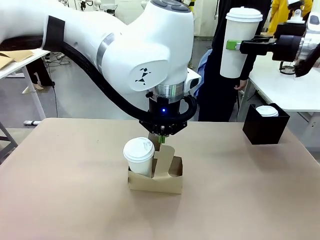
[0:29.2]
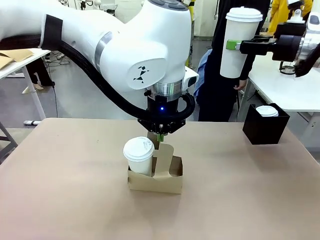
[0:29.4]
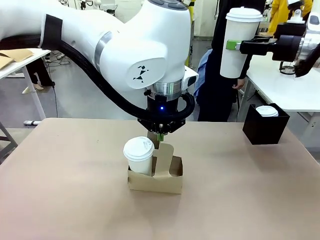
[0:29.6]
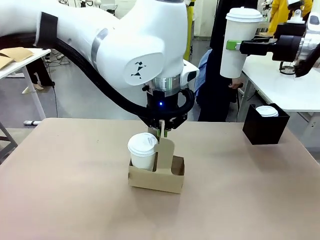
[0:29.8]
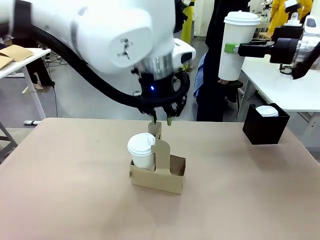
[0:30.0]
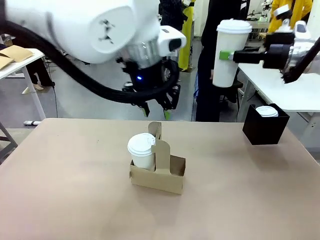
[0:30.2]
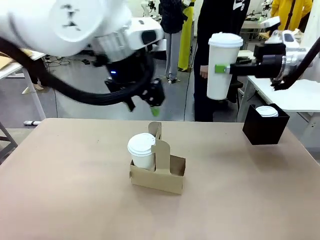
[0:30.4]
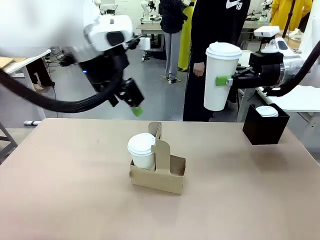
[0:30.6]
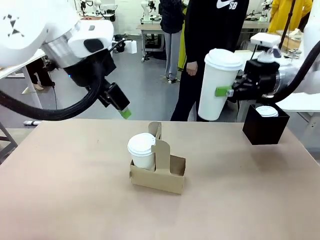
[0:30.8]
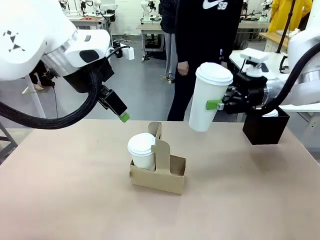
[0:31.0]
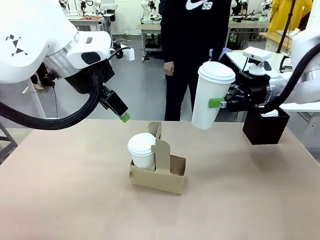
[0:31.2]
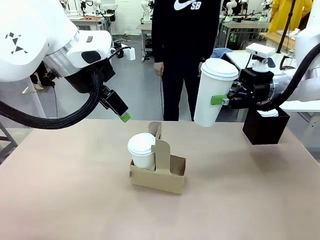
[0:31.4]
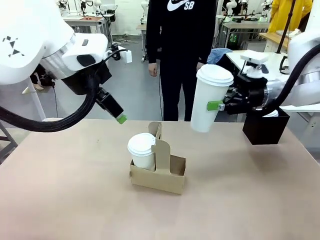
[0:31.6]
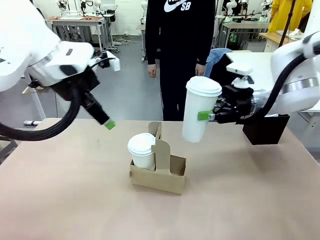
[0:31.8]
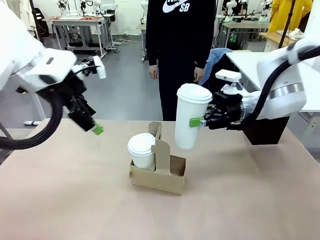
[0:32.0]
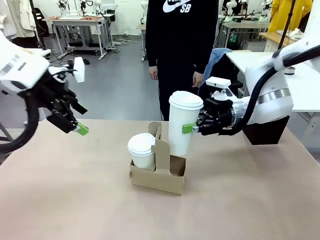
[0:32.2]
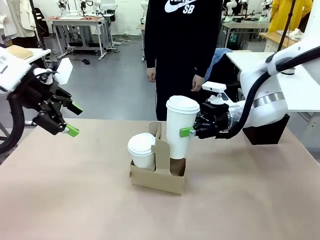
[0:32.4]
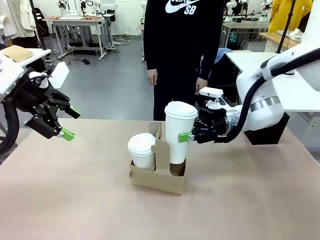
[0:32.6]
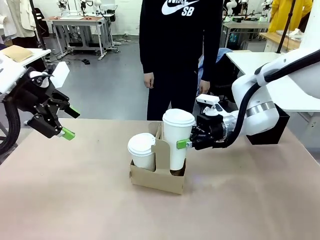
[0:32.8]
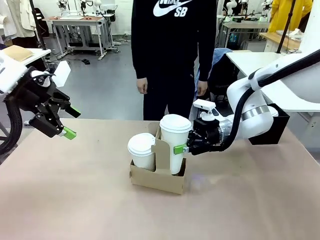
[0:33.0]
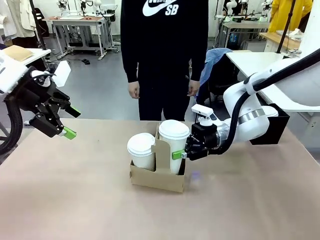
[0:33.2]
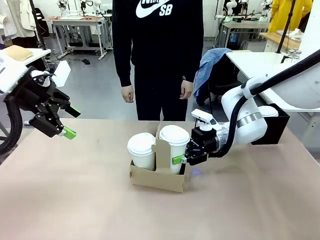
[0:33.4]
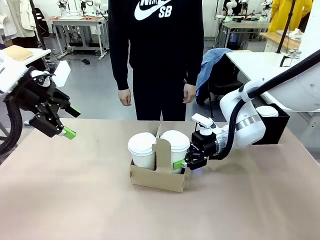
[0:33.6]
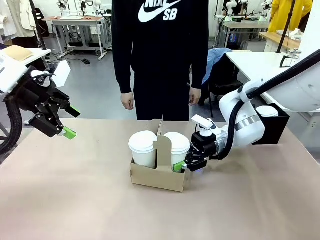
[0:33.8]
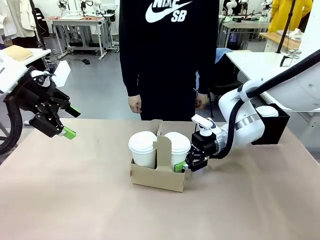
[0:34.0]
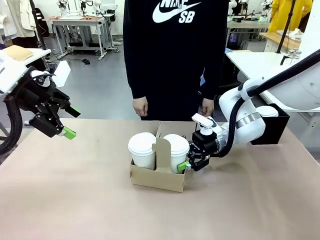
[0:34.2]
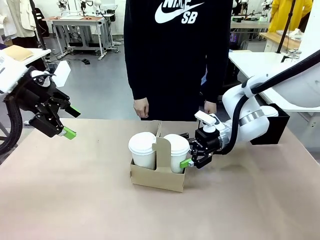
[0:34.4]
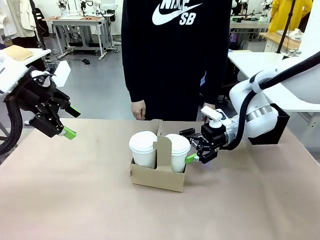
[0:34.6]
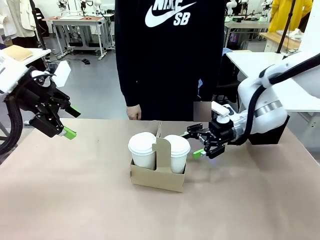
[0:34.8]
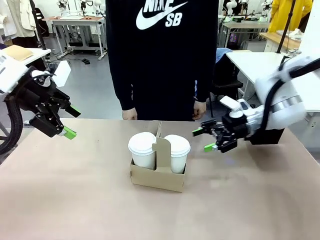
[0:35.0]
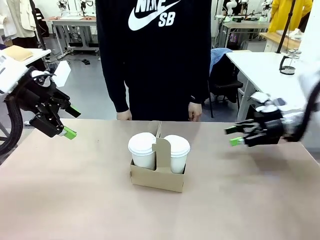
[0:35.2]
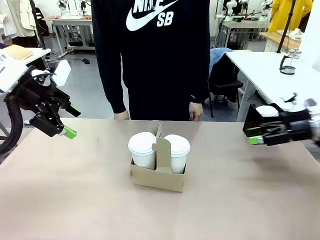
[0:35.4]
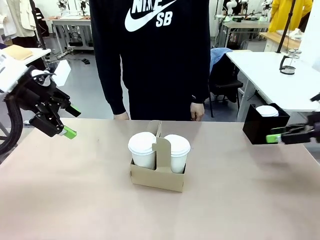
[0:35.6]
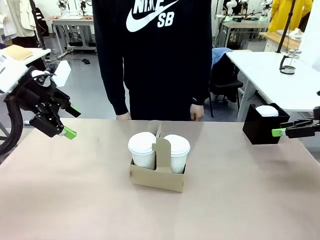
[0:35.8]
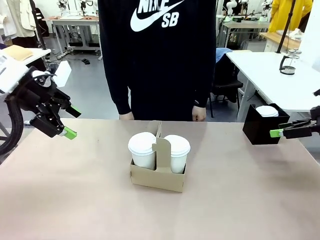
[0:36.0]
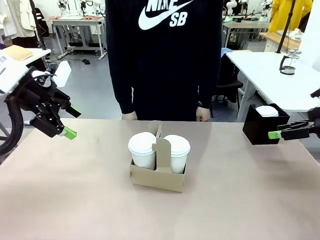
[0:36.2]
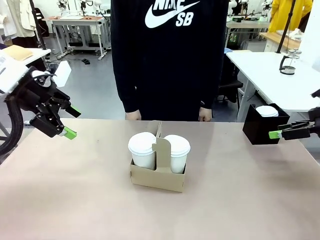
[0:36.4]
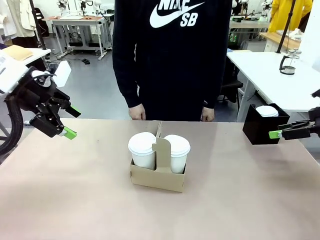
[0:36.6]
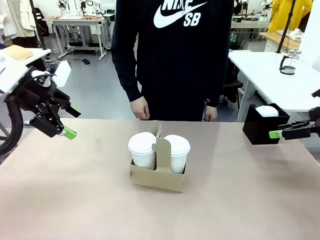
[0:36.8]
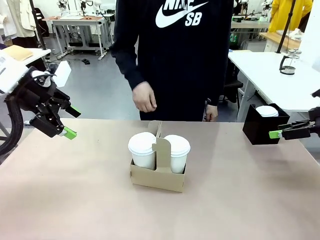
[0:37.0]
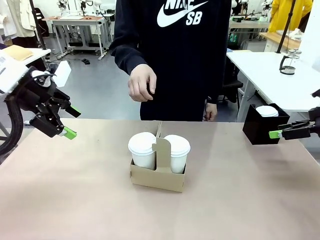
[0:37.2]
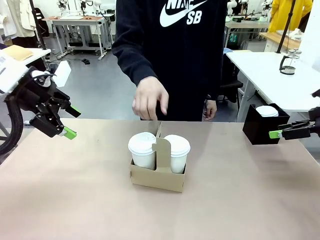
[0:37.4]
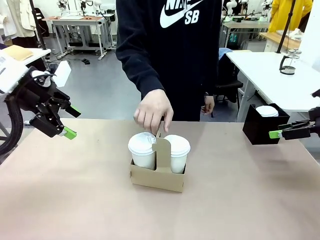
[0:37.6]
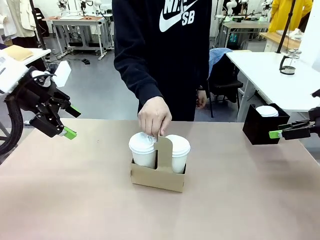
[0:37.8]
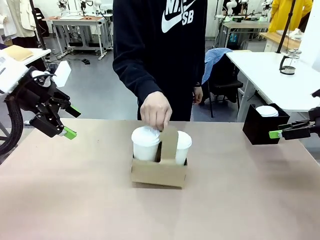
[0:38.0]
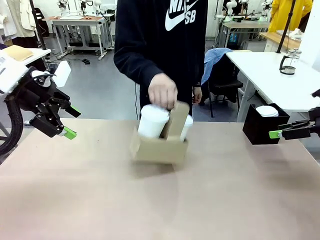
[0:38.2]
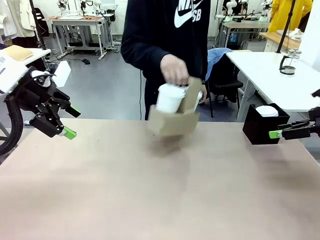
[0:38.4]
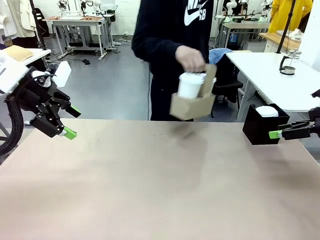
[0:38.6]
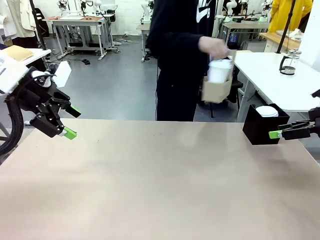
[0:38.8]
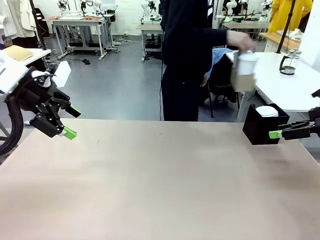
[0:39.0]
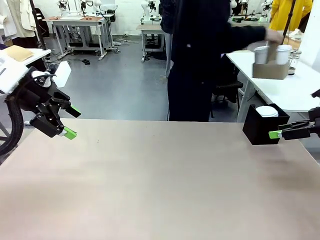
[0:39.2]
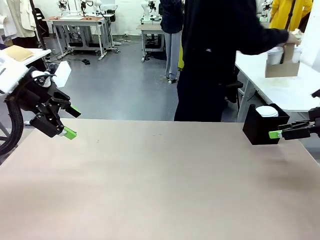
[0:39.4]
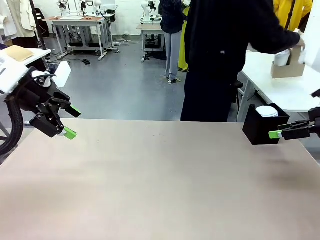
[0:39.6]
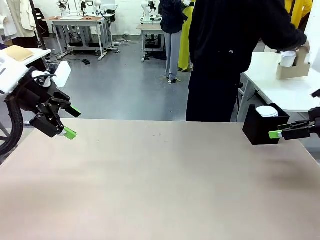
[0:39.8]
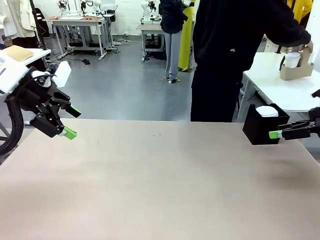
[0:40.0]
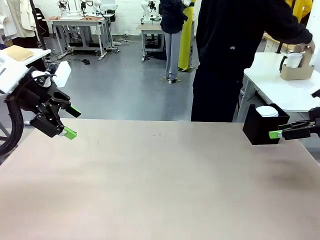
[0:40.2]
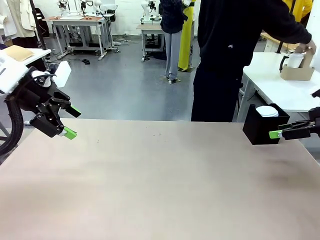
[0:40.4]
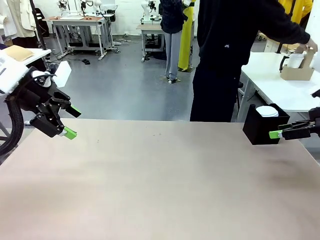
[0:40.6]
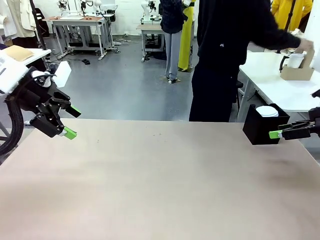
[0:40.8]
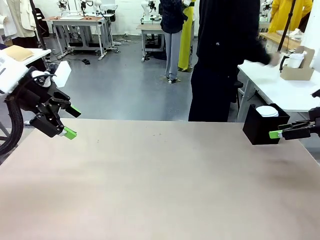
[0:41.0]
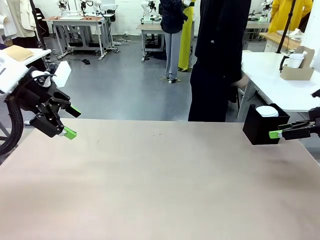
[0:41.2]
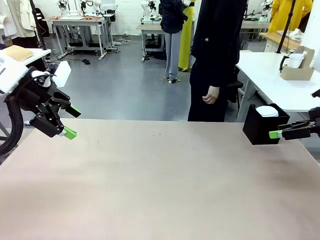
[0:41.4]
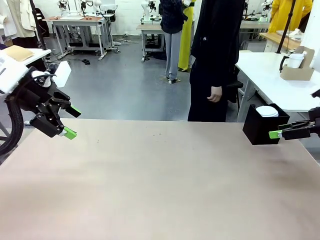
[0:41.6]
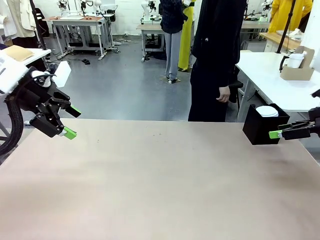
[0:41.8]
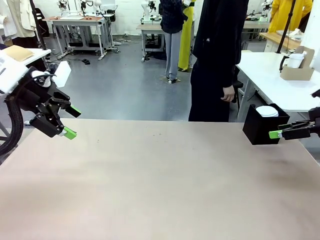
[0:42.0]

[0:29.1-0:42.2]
Task: Pour a drink into a cup and package it in a carrier.
Robot: Insert the held 600 ml Paper Cup into the Cup Carrier.
Person: Place the Cup Carrier to the middle of Human table.

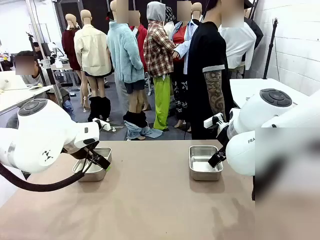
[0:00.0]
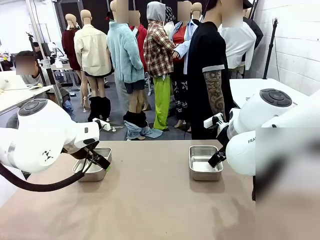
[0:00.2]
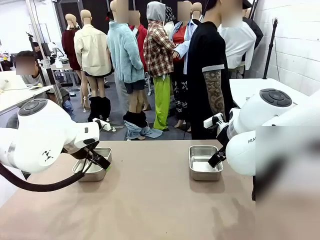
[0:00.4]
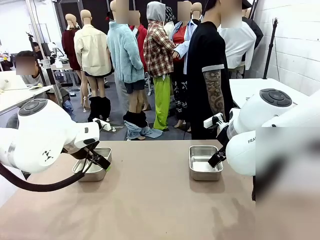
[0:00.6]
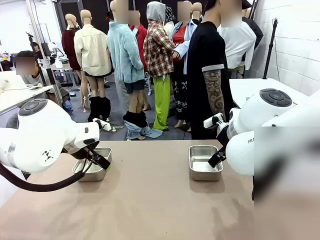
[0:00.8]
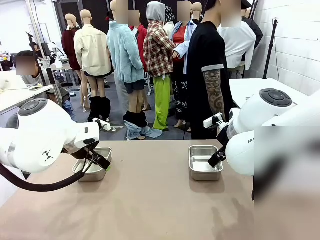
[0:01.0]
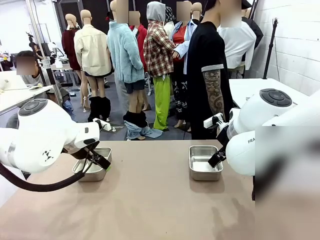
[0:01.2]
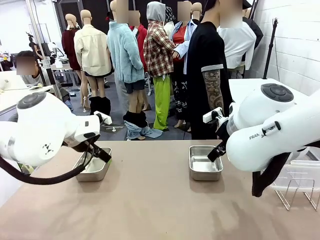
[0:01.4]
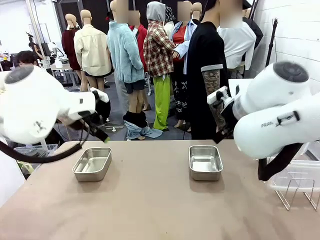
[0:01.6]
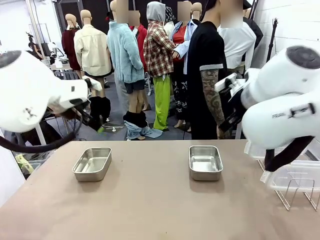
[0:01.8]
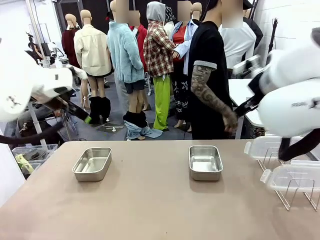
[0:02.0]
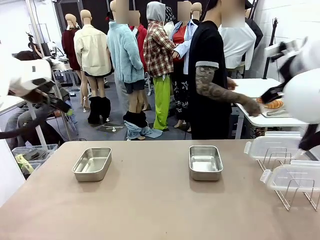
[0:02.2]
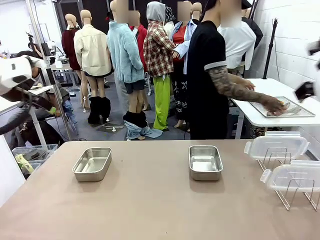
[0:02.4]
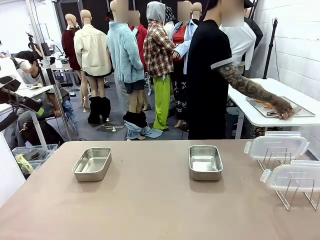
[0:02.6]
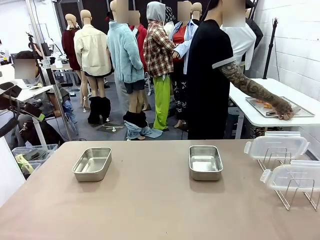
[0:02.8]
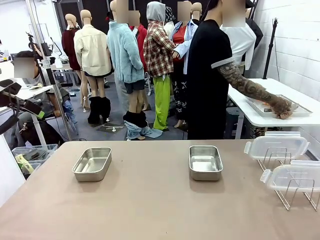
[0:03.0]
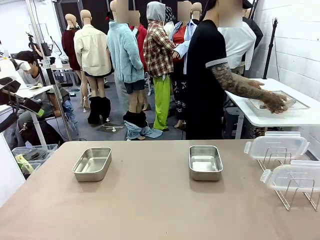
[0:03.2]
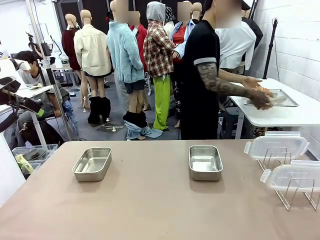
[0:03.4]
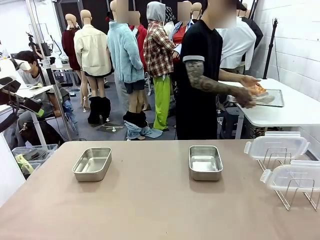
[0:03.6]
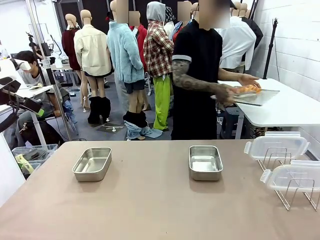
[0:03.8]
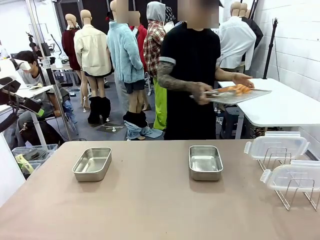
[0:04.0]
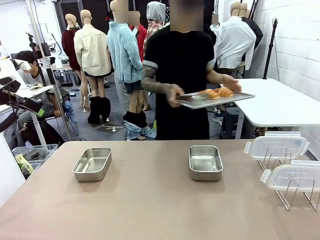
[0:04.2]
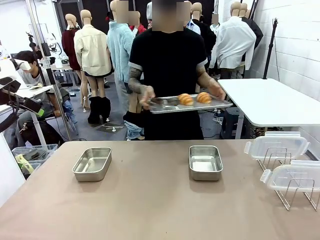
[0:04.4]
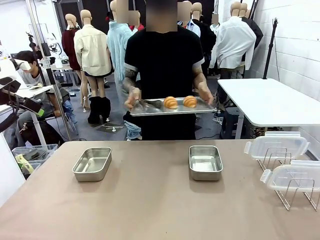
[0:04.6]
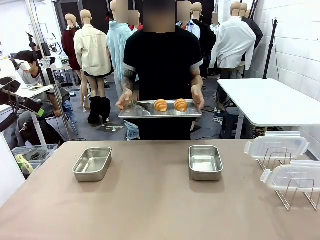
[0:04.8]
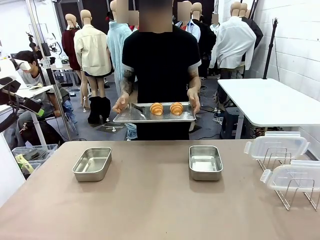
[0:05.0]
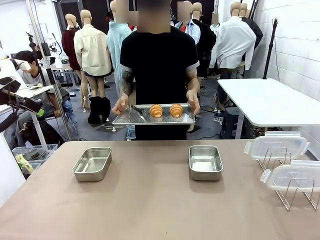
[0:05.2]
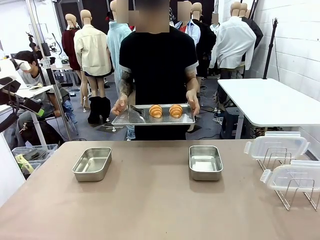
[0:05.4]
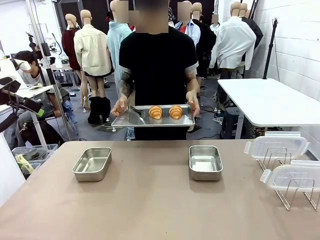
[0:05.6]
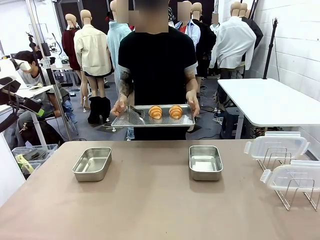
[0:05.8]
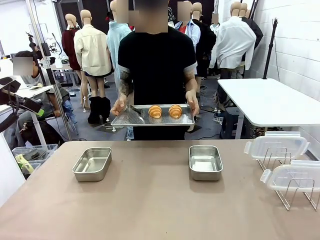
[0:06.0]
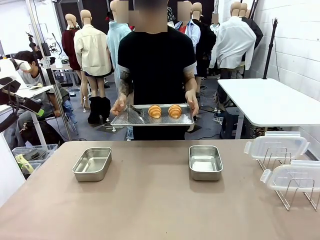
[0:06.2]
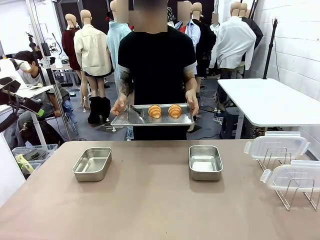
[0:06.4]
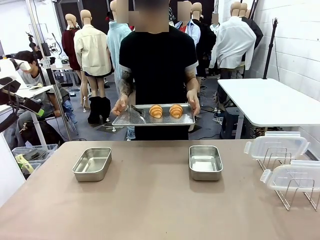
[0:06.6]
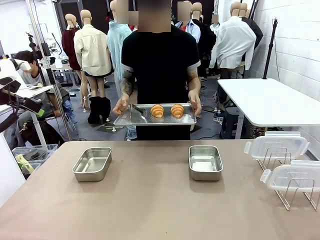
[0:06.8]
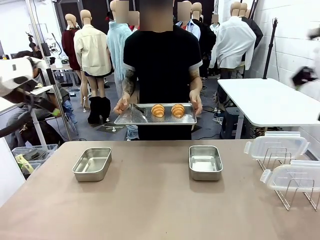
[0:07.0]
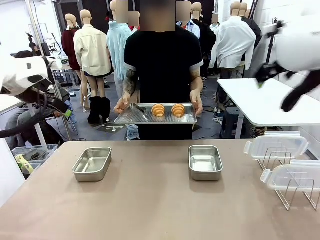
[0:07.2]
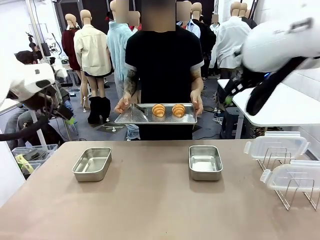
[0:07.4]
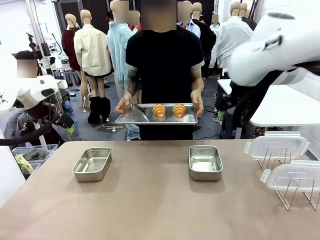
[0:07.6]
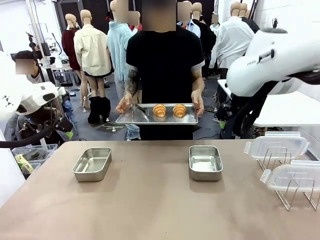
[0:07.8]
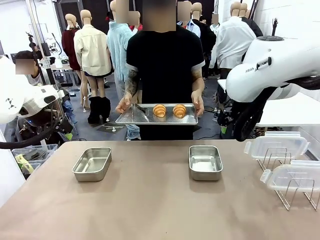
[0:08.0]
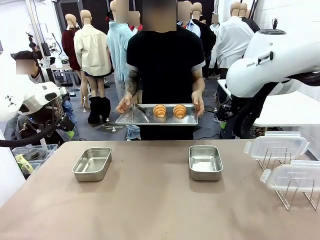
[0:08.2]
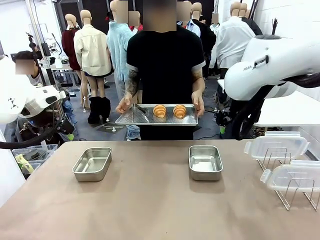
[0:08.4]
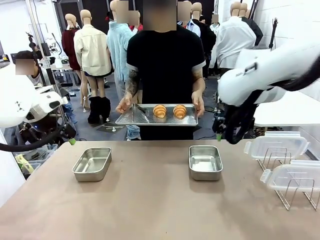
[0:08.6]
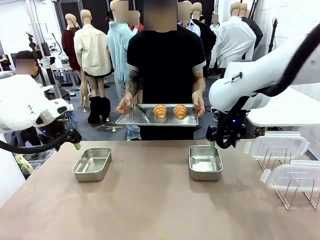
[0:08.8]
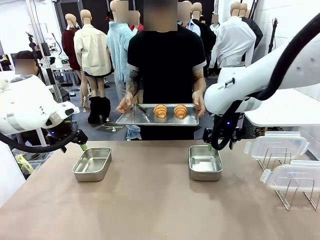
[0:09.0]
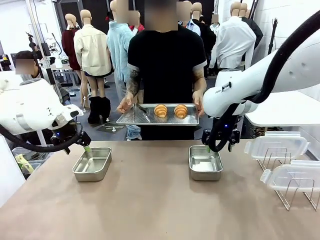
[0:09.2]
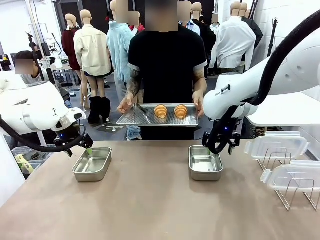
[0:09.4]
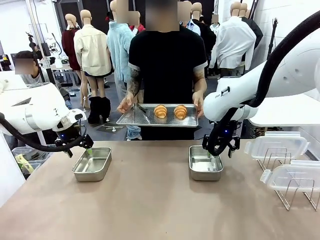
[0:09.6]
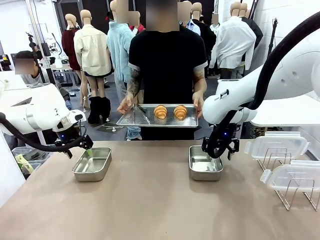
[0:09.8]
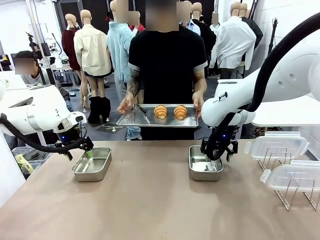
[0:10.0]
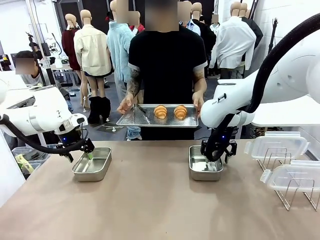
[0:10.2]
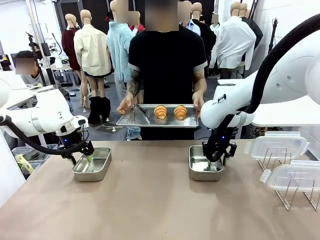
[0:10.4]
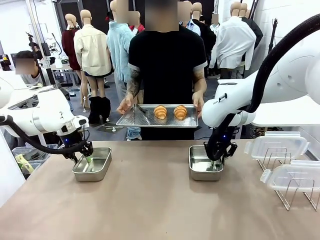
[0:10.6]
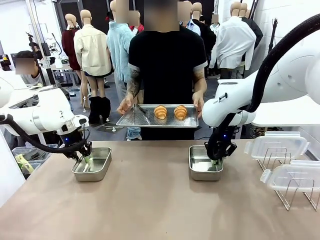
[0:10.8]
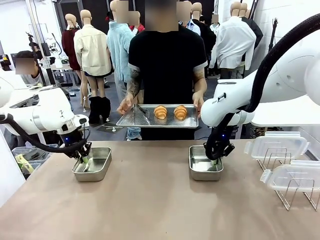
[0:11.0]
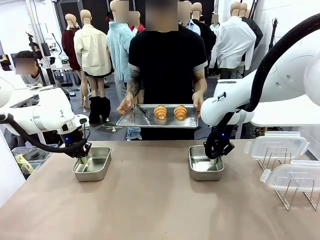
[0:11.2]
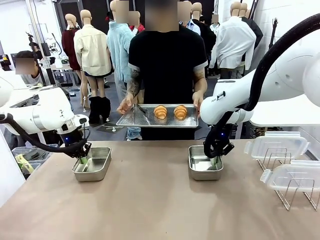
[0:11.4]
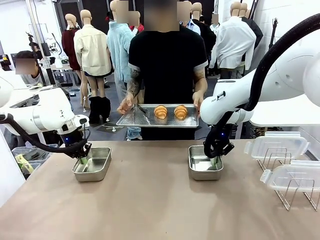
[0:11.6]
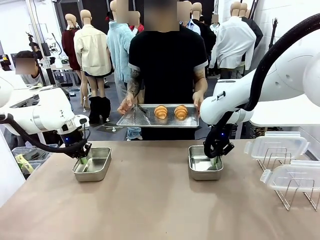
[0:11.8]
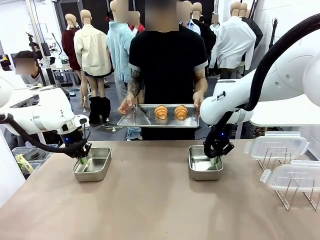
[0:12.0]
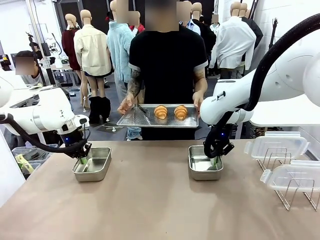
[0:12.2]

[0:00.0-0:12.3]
Task: Place the bread in airtight containers.
Robot: Lift both Airtight Container.
Person: Bring the Baking Sheet in front of Robot's Table.
